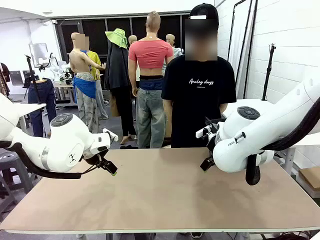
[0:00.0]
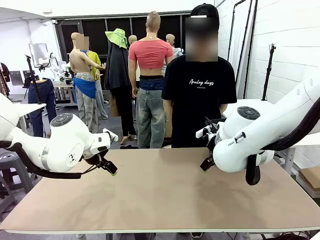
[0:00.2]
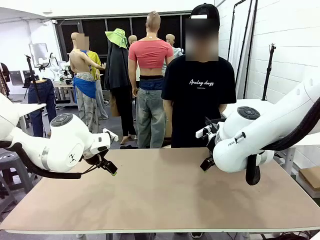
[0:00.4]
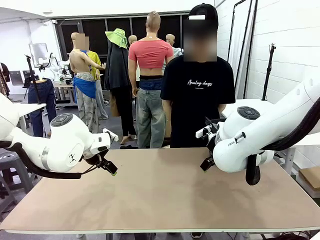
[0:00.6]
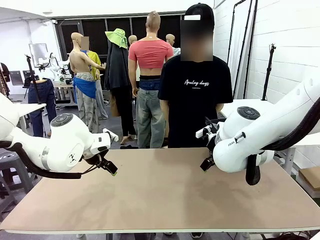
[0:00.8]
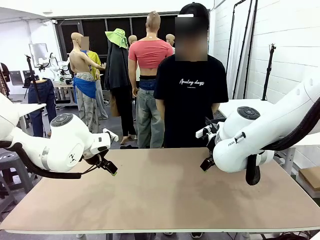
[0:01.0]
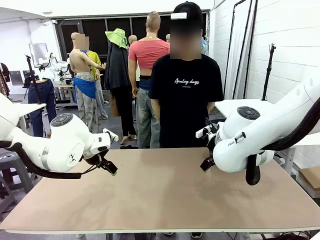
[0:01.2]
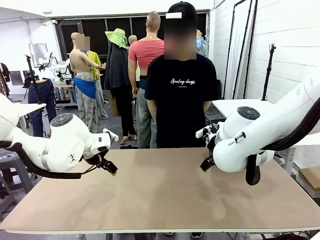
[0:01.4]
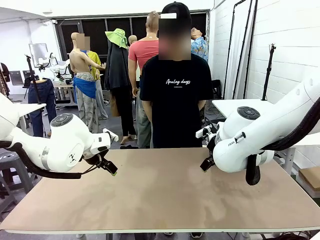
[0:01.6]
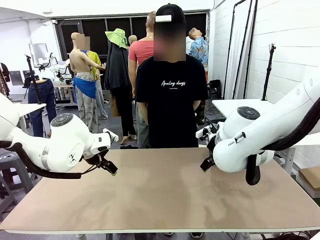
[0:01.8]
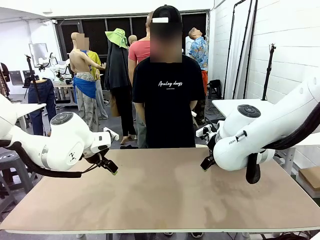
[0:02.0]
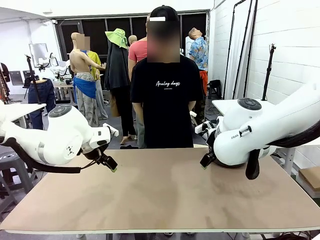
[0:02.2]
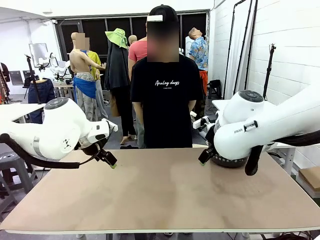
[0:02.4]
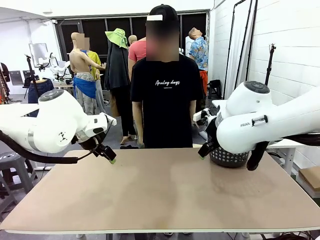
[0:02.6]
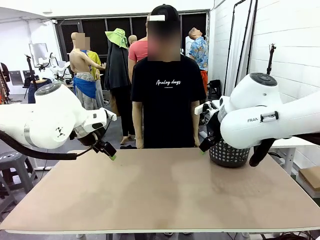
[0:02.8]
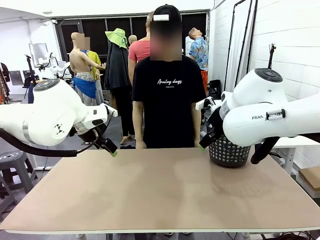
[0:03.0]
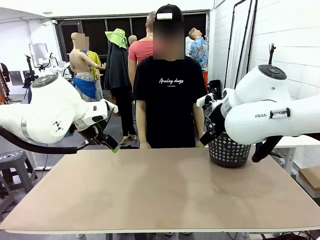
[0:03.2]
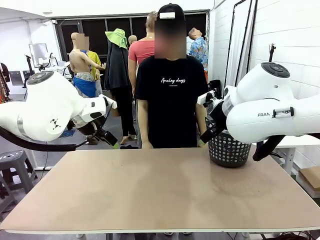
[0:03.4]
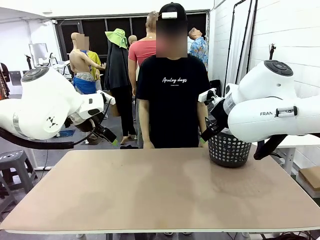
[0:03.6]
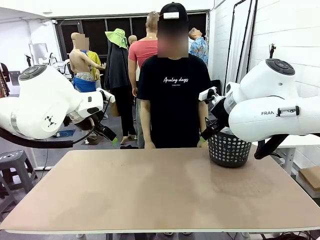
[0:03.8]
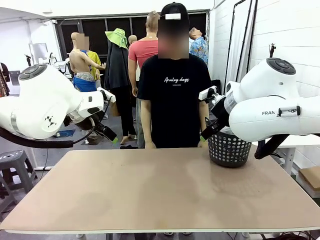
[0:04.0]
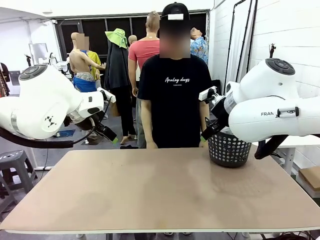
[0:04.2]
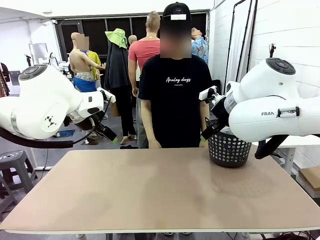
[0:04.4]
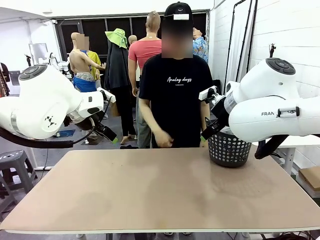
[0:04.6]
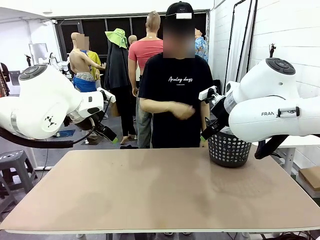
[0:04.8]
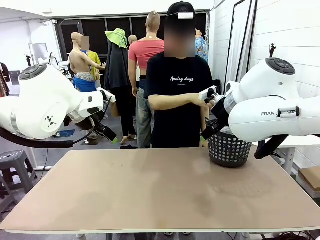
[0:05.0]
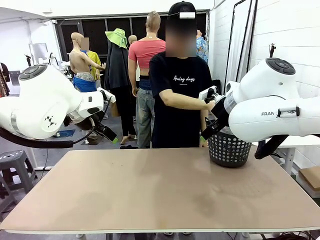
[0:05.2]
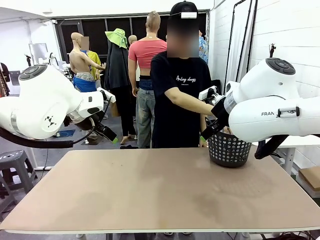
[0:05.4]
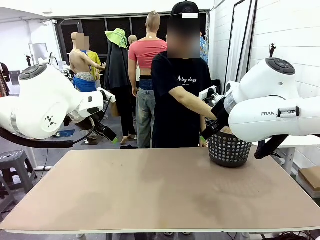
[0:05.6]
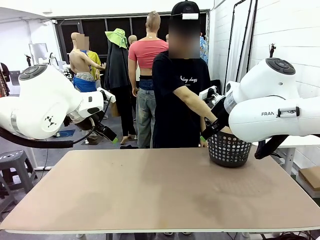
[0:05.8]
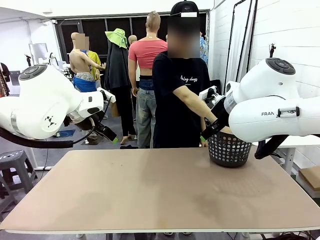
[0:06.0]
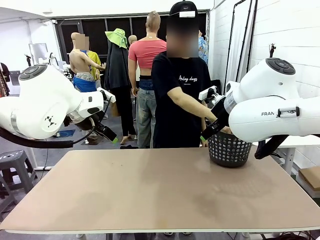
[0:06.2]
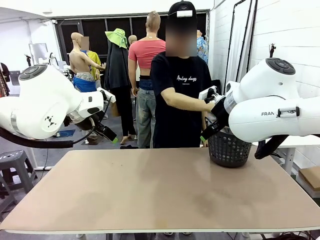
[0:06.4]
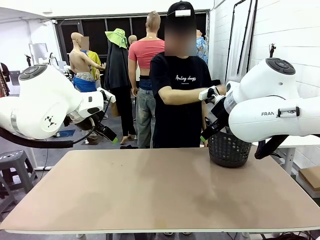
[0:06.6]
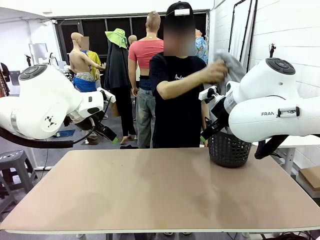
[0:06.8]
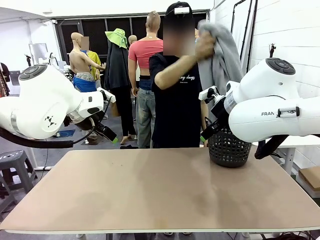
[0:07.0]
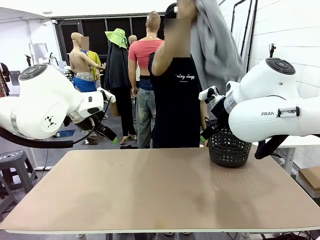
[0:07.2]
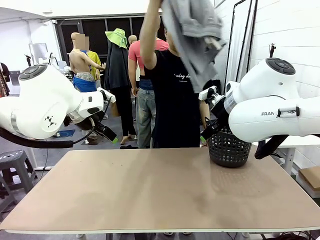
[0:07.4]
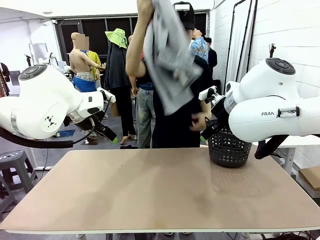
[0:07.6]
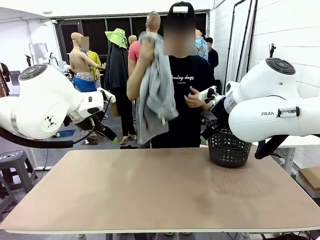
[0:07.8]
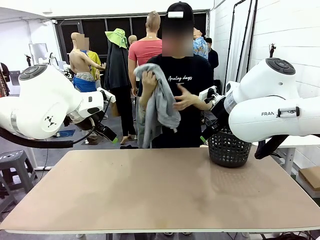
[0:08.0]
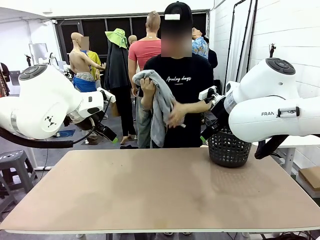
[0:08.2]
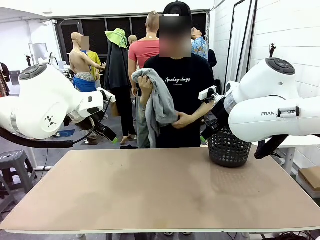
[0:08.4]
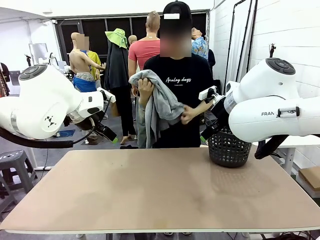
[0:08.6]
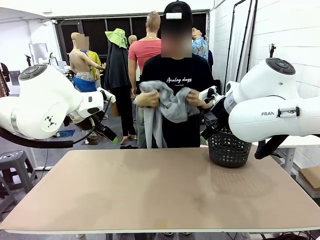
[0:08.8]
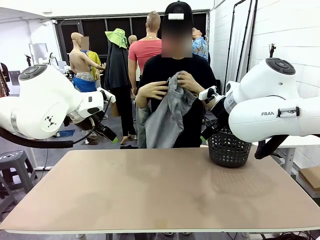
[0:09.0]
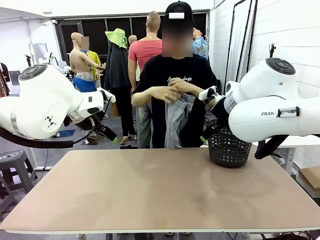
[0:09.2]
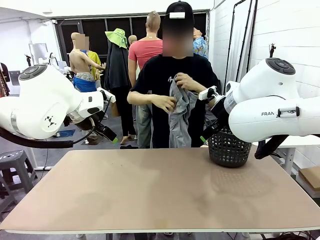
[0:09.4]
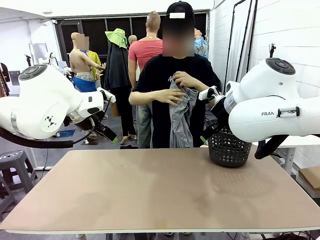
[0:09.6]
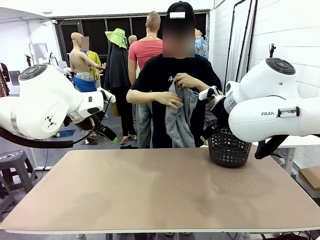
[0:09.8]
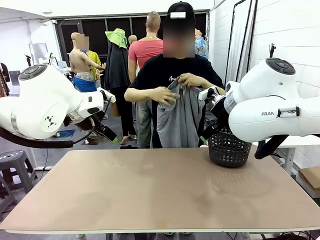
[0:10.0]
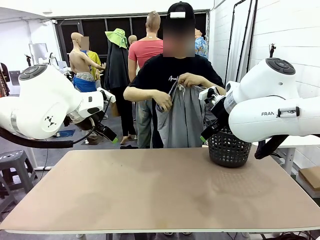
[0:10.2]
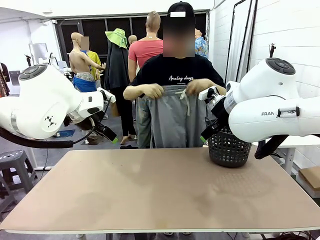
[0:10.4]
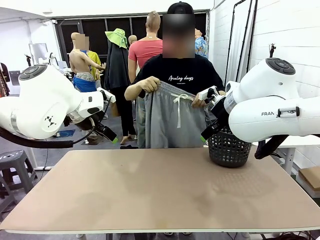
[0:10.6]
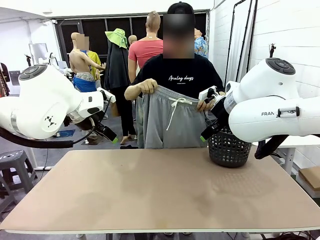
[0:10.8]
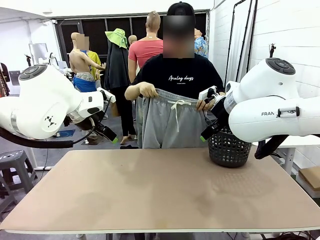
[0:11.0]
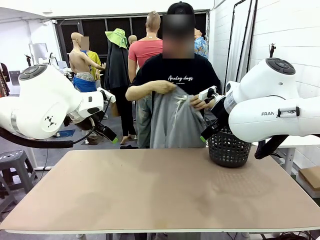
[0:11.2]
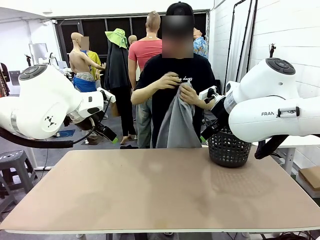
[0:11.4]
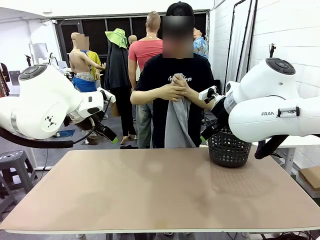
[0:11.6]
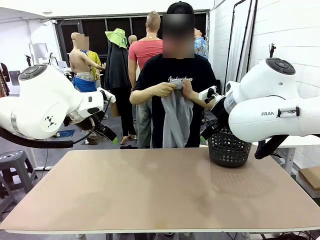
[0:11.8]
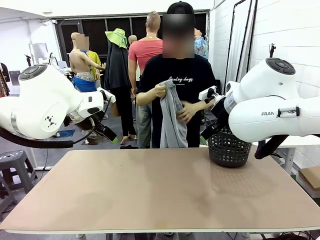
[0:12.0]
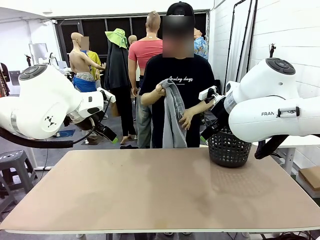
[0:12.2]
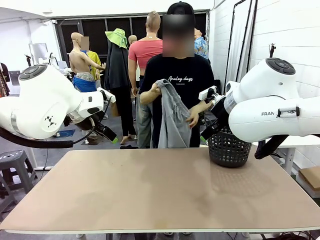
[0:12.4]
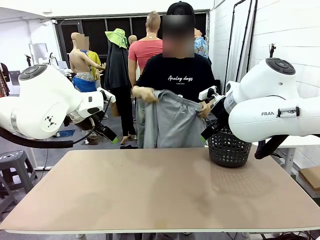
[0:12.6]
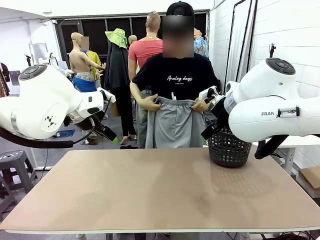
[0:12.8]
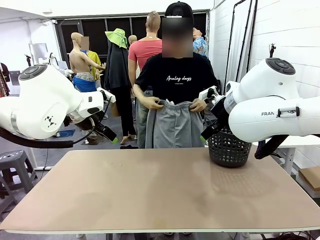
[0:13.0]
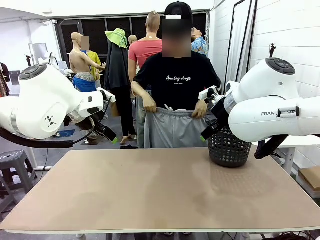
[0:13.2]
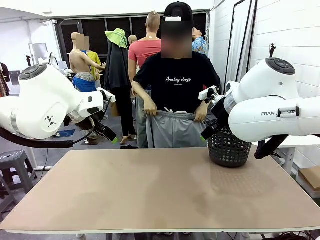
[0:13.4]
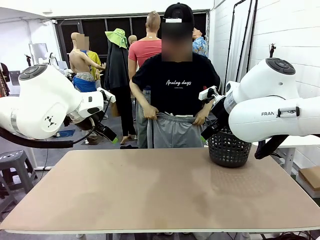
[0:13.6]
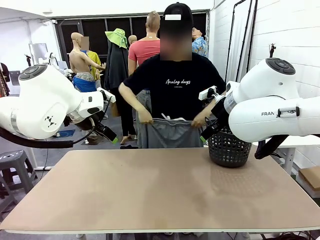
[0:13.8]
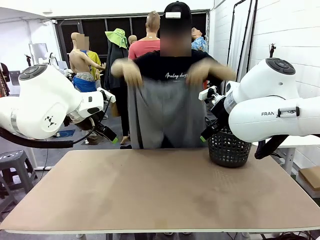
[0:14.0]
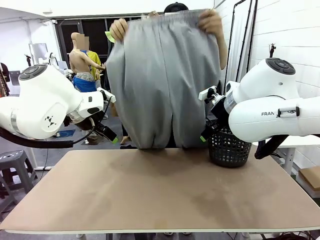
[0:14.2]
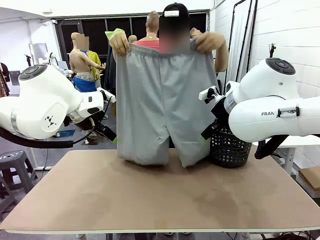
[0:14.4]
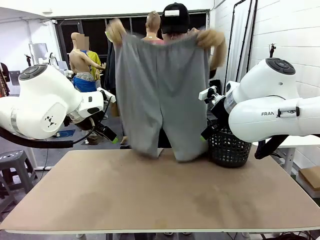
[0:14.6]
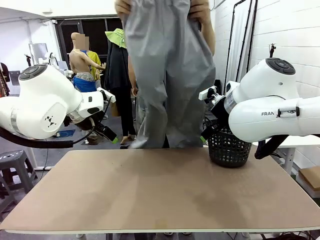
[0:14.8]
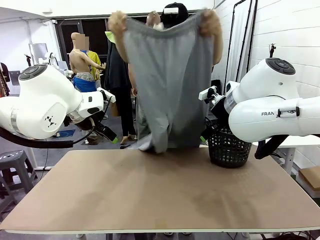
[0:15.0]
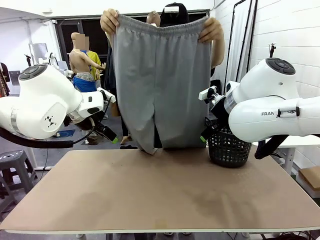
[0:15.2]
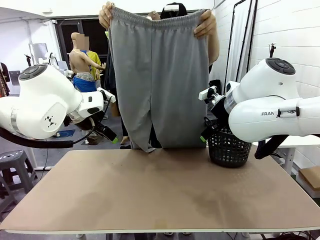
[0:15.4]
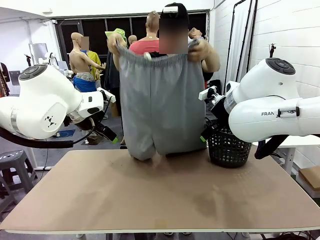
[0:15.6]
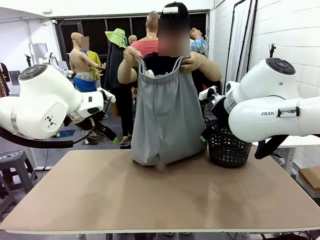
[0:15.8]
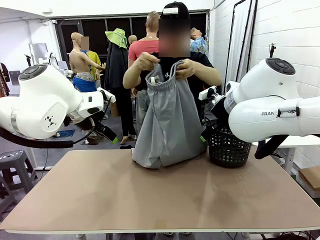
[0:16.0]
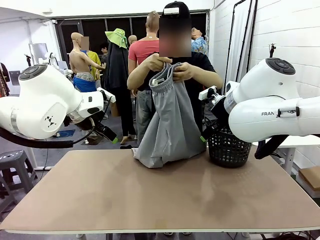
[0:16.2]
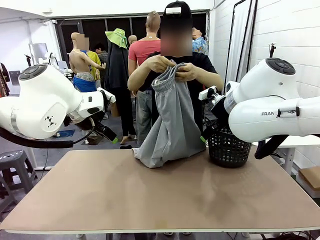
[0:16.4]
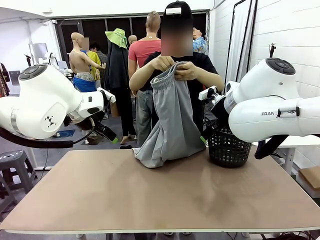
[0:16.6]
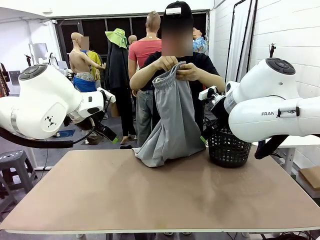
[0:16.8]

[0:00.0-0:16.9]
Task: Fold the training pants.
Robot: Grab both ends of the Training pants handed by a person.
Person: Take the long pants out of the laundry basket, unfold them, fold the waist in half, and extend them so the robot can pick up both corners.
